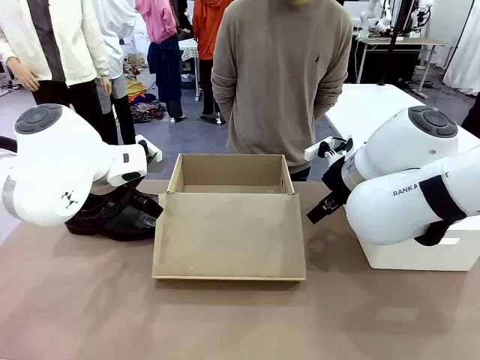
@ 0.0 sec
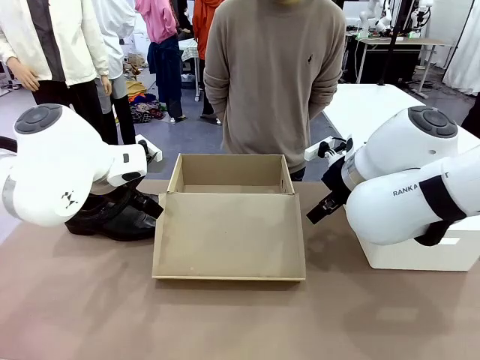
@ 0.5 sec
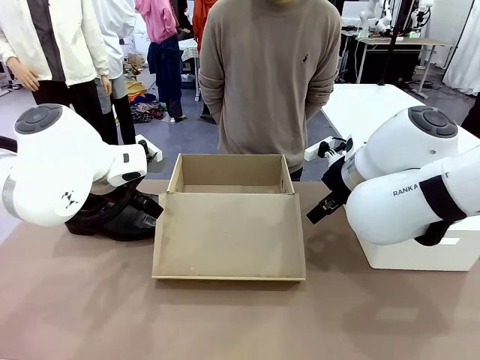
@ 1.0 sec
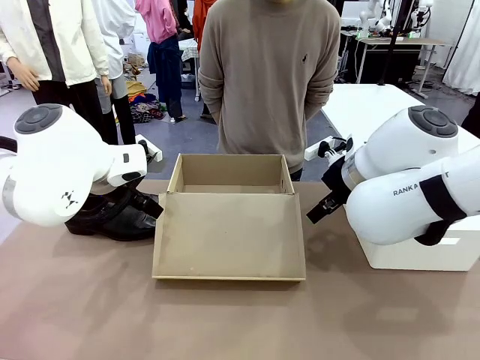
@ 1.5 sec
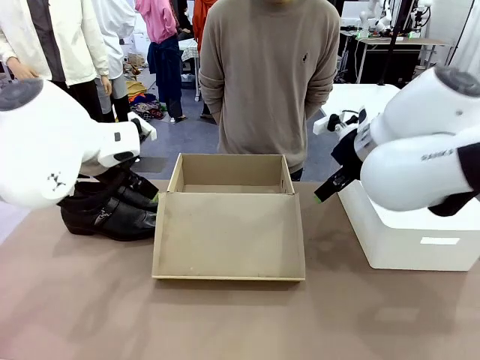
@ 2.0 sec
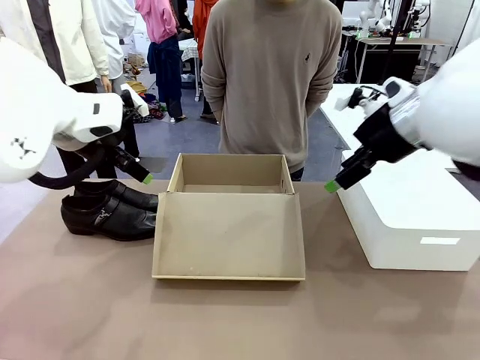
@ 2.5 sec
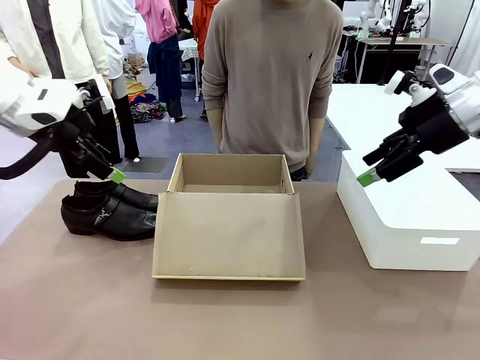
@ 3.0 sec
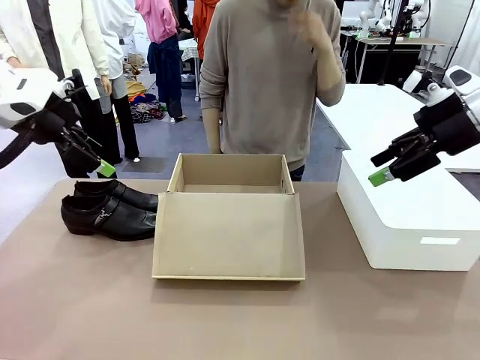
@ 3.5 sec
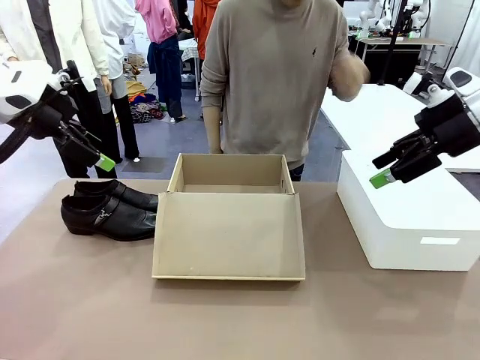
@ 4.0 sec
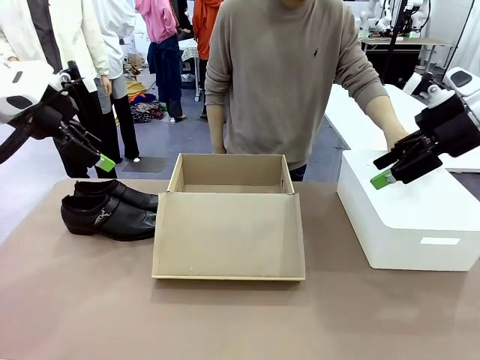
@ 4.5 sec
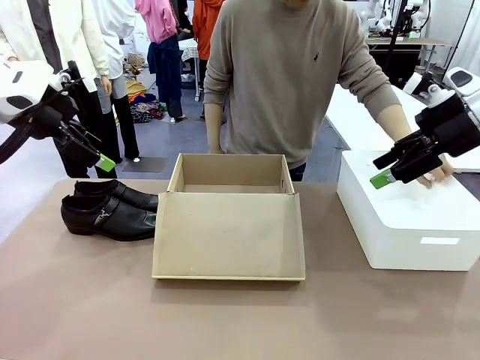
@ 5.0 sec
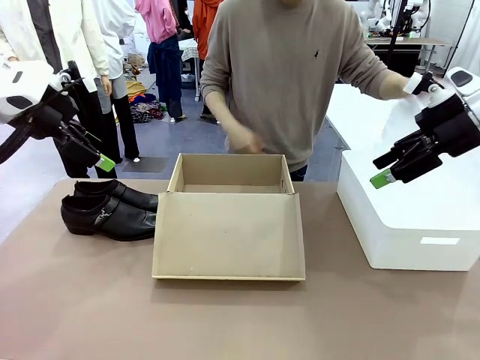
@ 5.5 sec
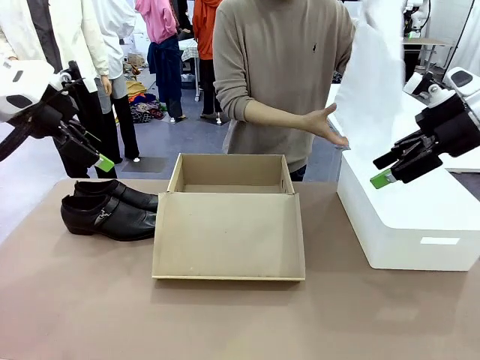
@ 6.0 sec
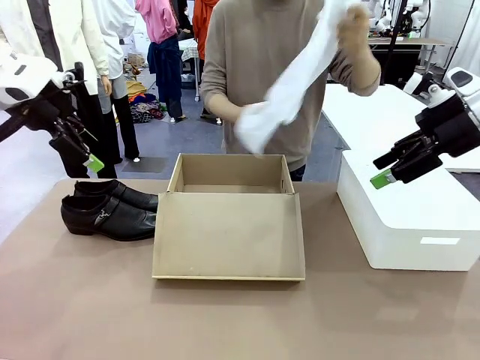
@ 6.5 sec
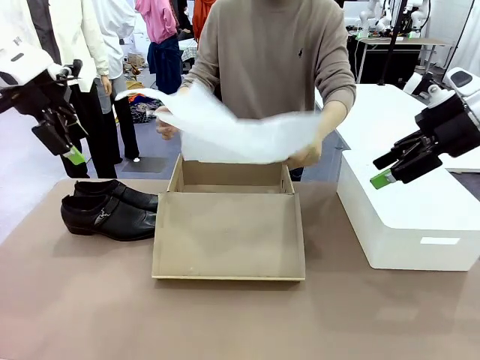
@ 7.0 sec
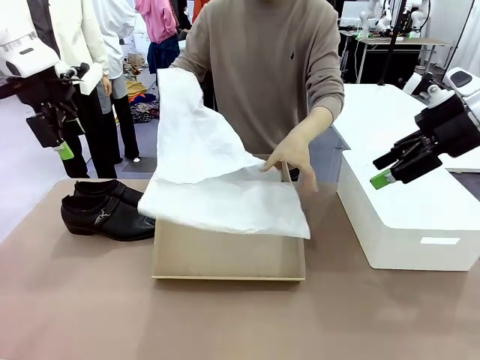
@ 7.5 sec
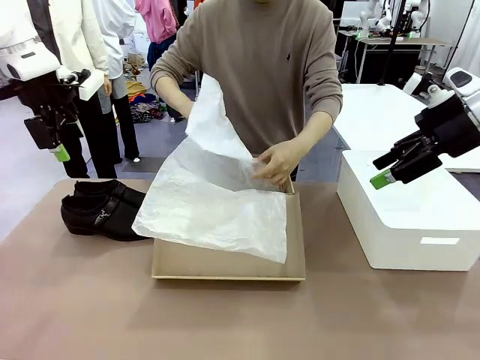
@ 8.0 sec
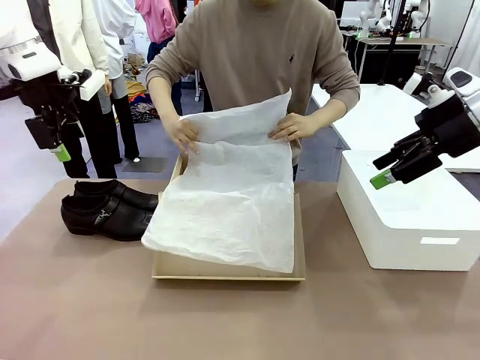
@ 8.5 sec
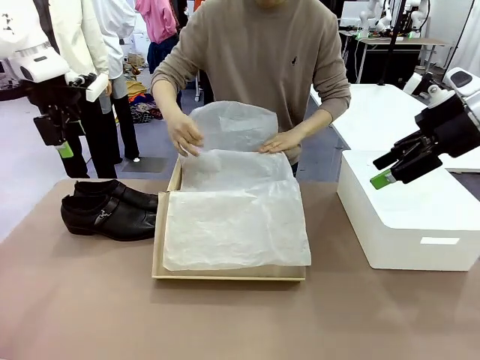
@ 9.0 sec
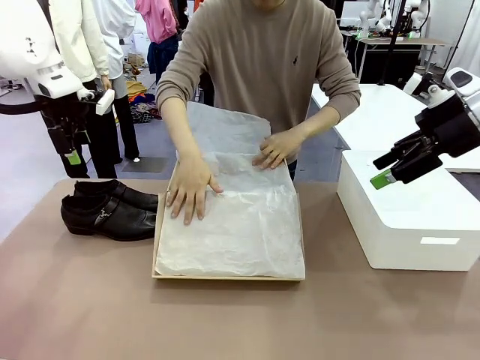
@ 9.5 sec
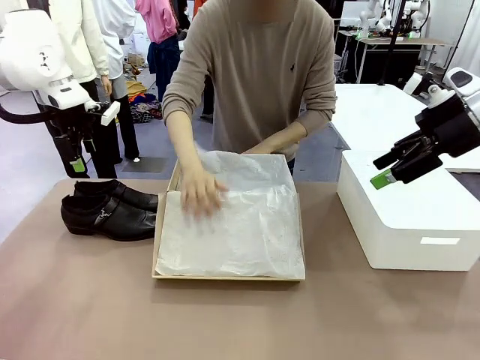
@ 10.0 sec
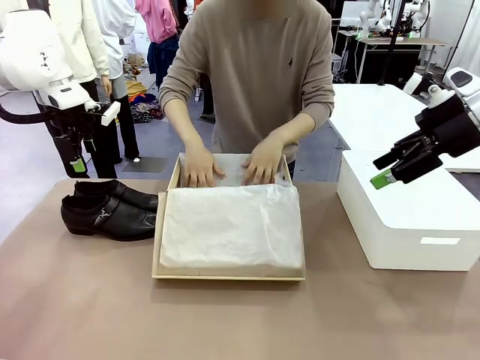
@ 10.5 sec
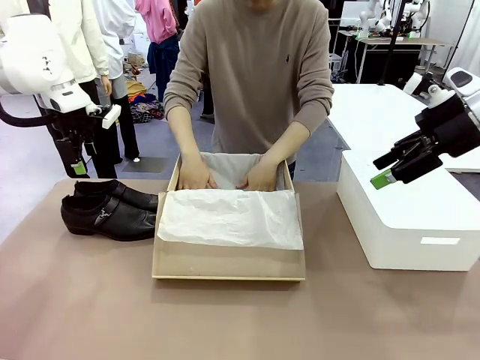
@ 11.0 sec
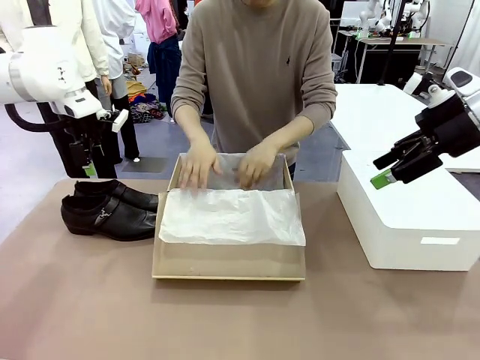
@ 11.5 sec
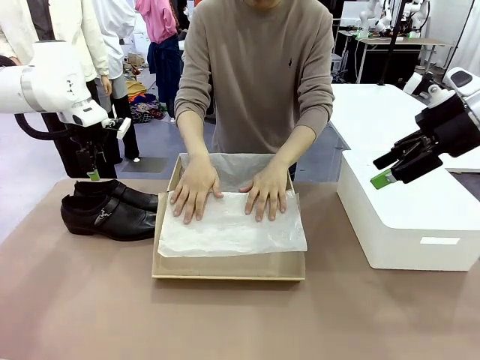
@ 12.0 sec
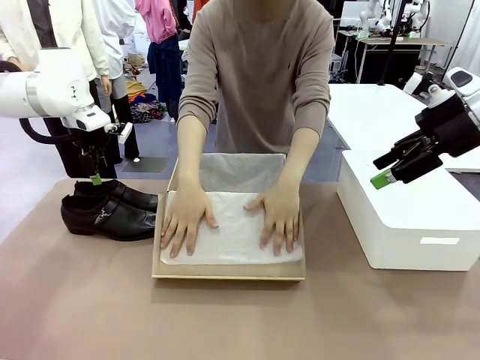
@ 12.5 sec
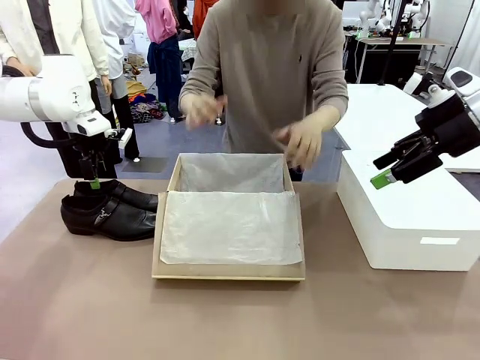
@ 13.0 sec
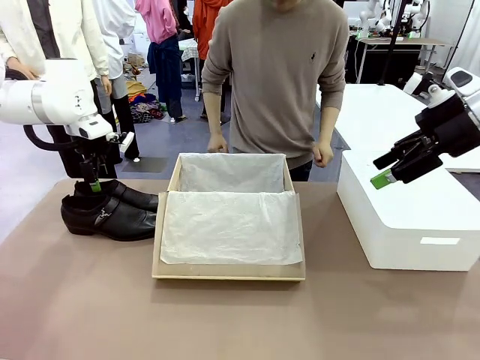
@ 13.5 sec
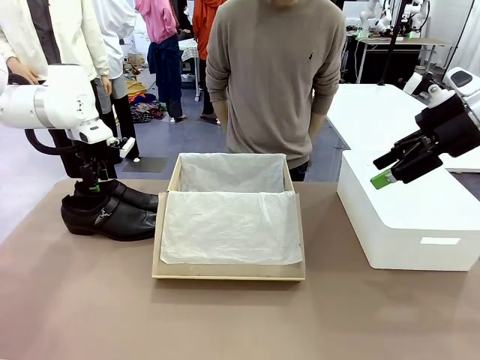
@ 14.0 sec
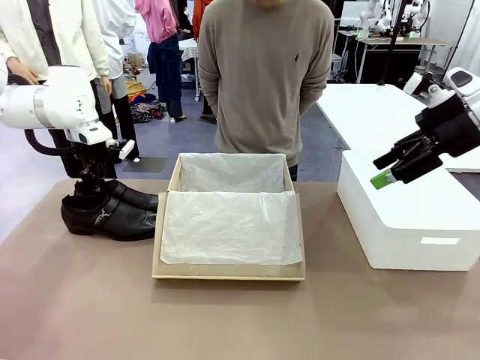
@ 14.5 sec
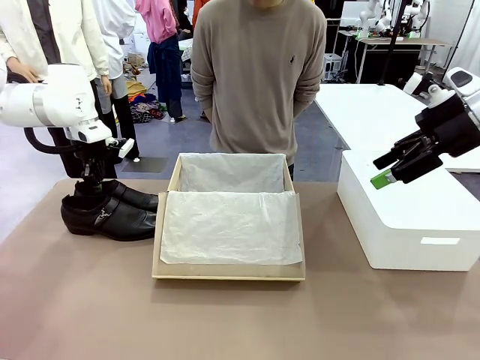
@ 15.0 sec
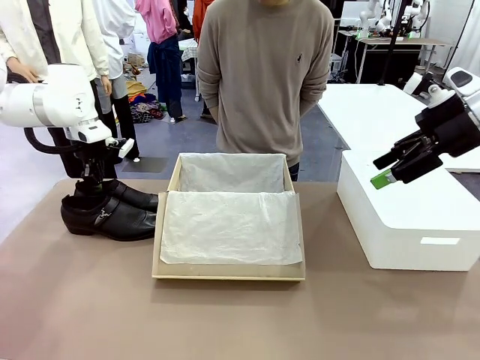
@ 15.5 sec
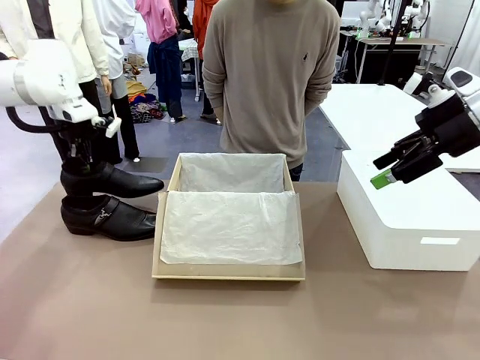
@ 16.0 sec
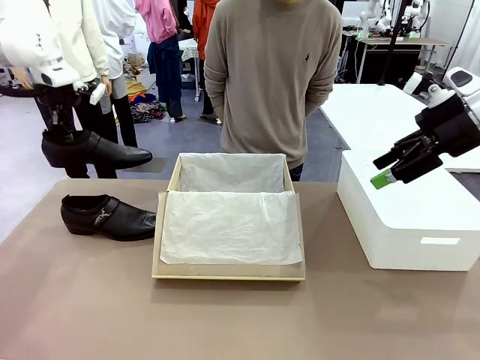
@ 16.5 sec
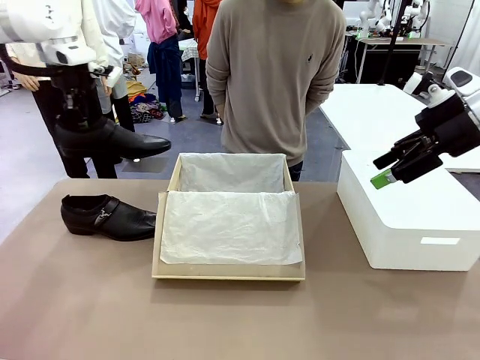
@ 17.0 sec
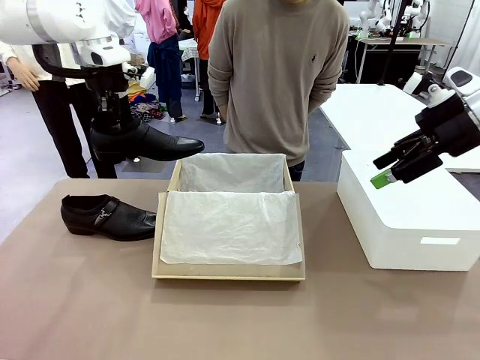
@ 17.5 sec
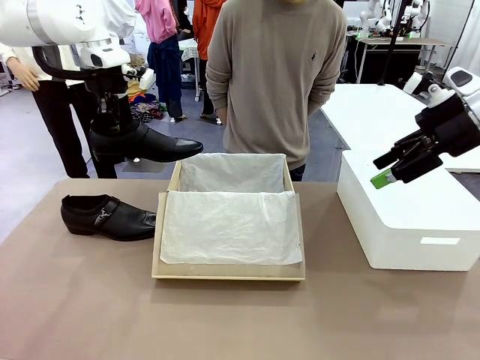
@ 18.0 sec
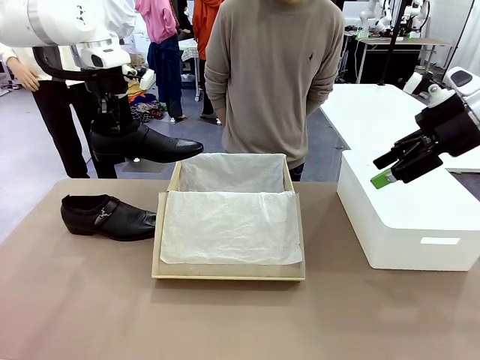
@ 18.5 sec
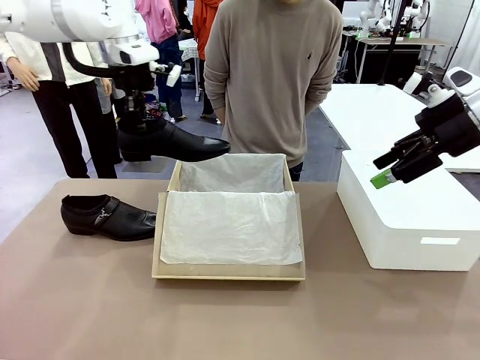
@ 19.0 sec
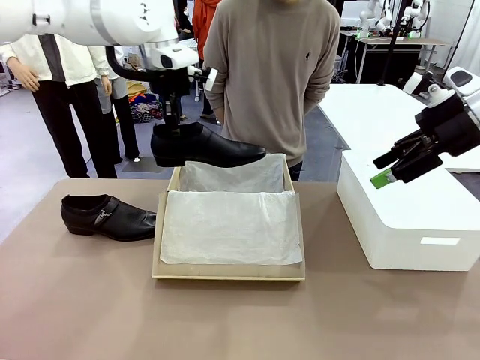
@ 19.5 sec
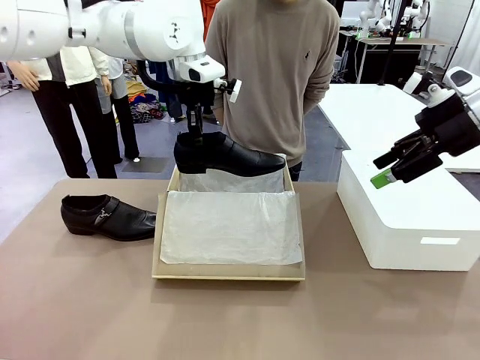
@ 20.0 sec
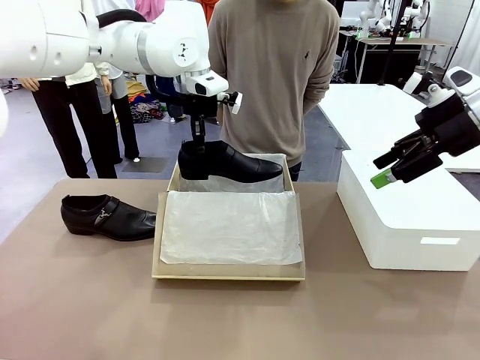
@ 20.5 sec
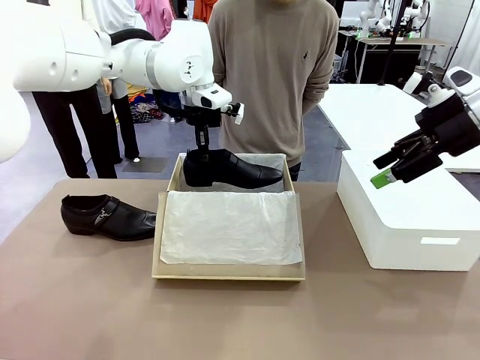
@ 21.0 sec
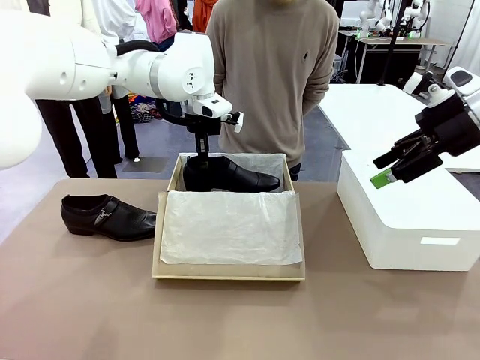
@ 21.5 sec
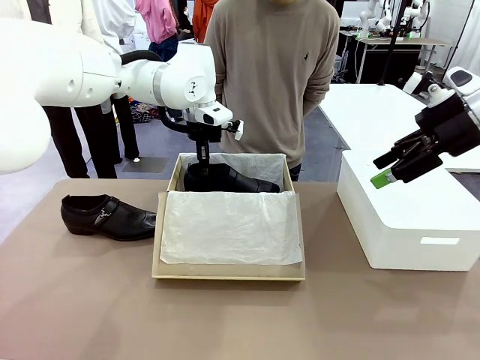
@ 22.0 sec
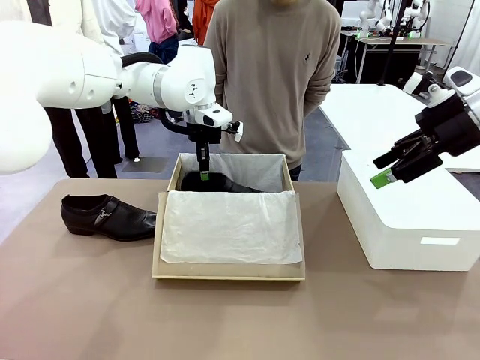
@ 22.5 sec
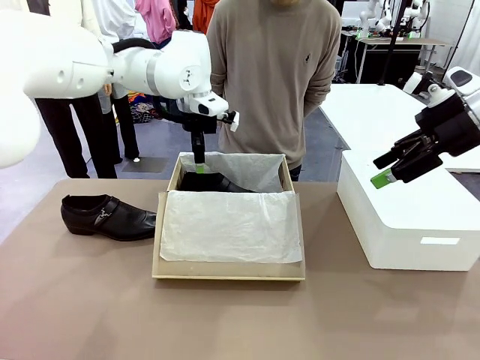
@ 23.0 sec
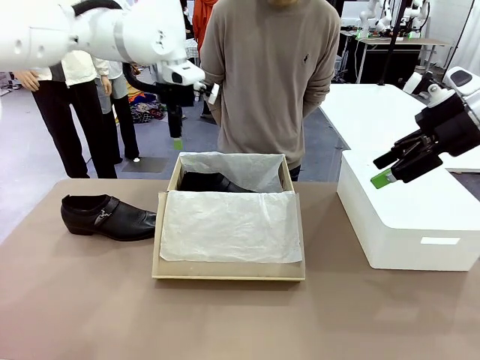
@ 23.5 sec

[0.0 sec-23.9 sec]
Task: Pack the shoes into the box.
Robot: Place one shoe of the Shoes into the Shoes Box.
Person: Spread Shoes Wrapping Paper and place inside the Shoes Box.
